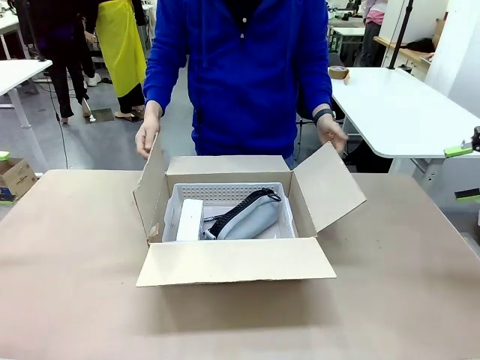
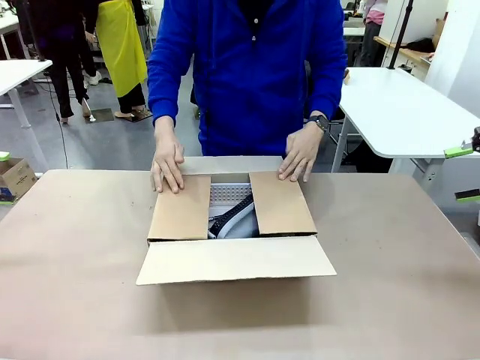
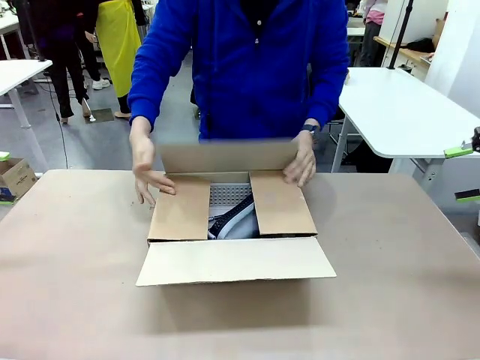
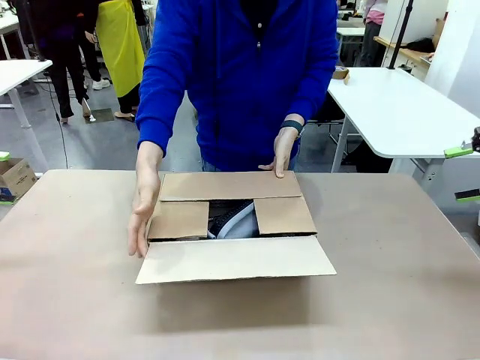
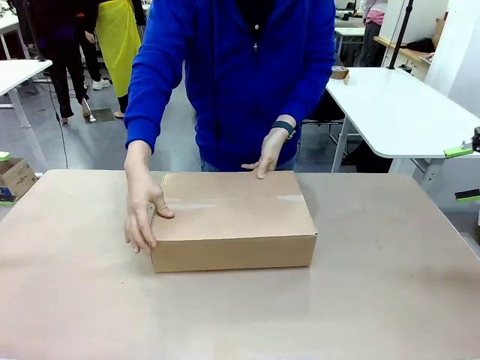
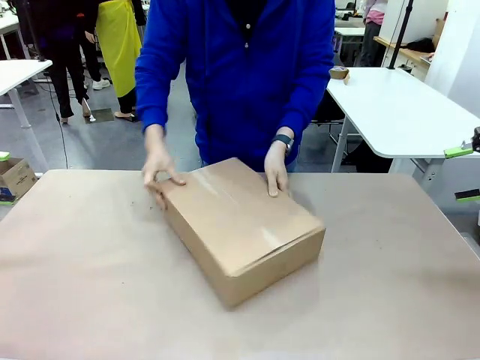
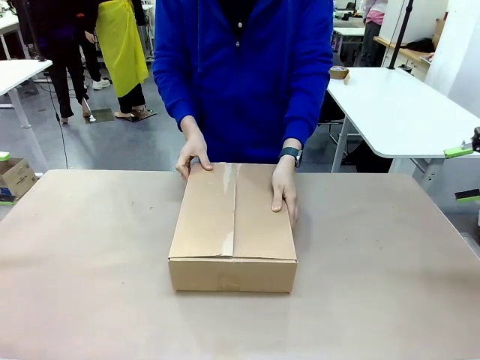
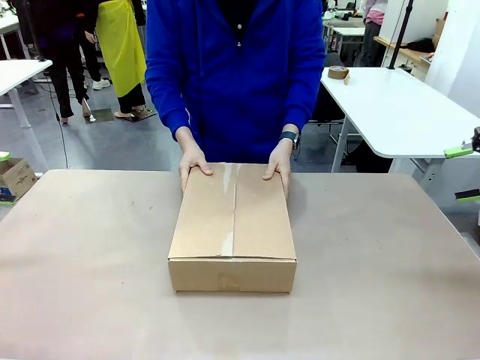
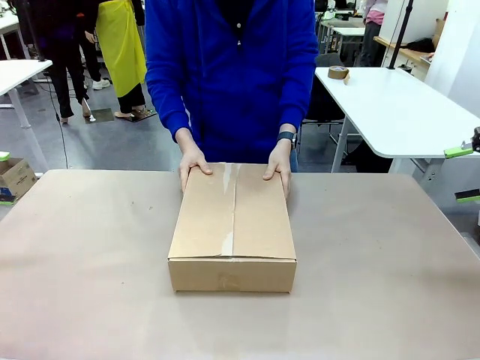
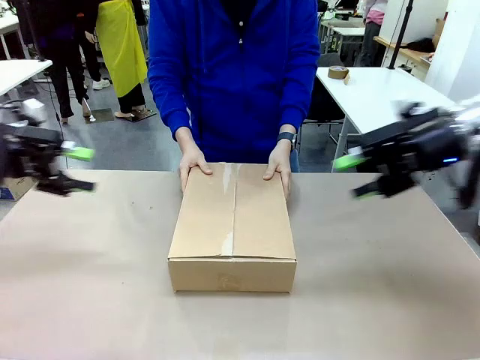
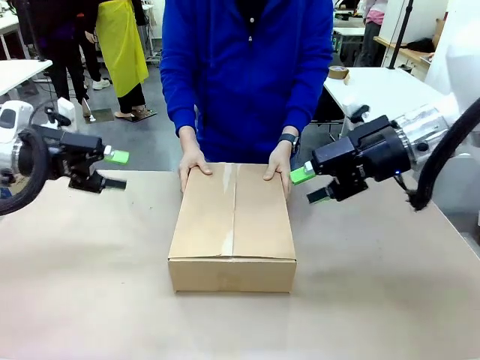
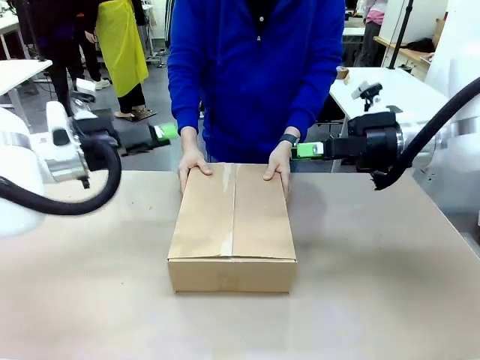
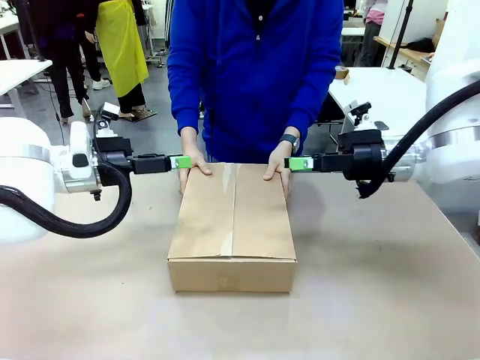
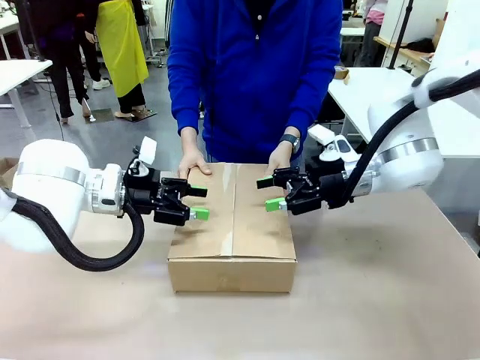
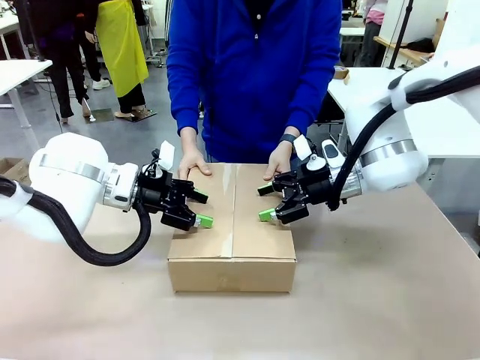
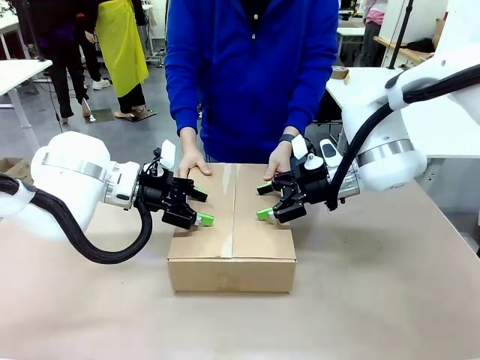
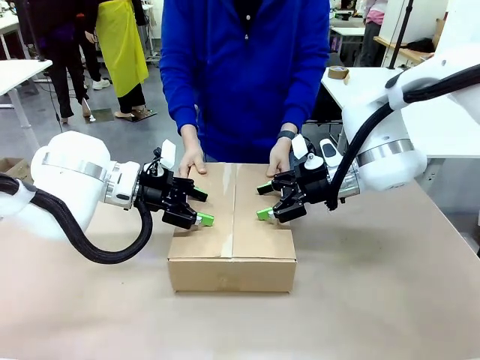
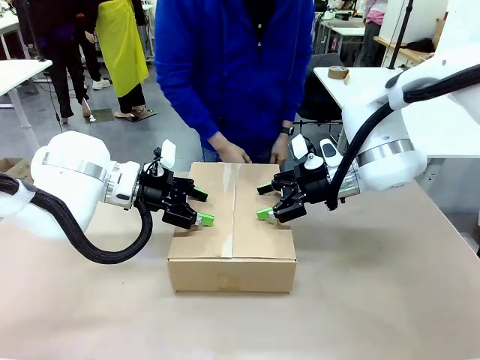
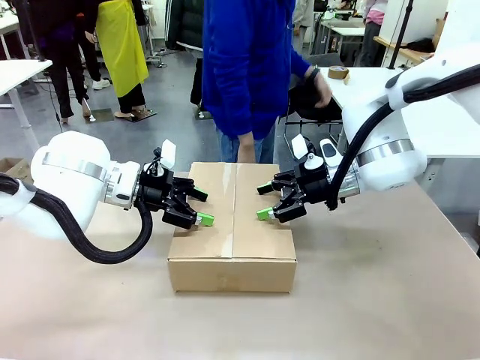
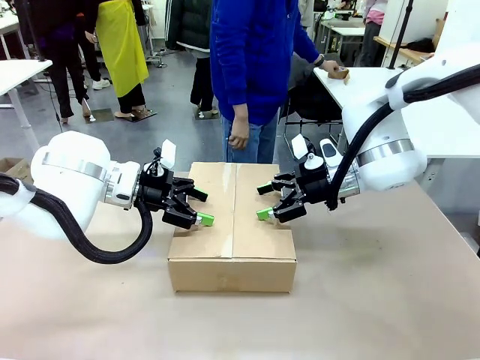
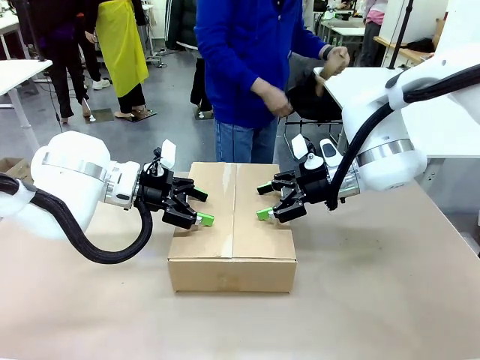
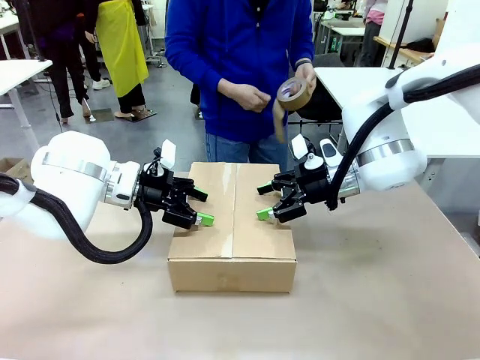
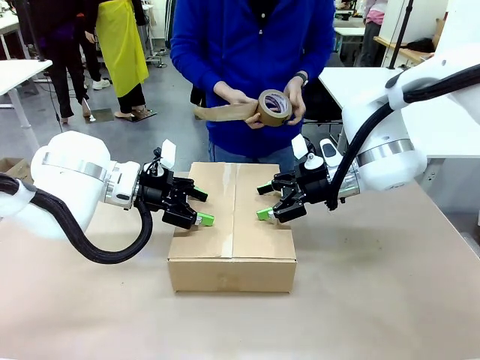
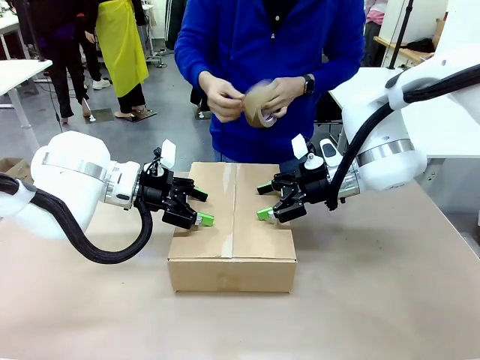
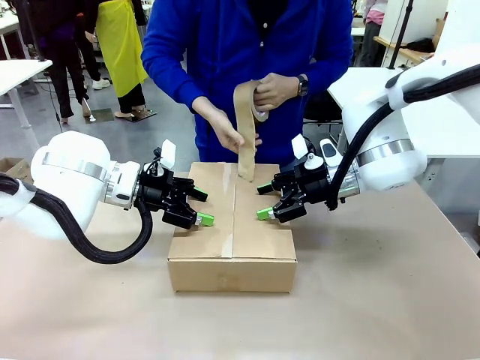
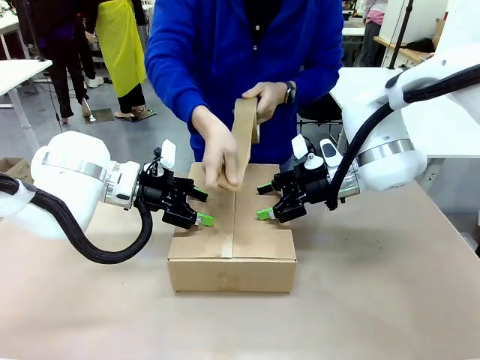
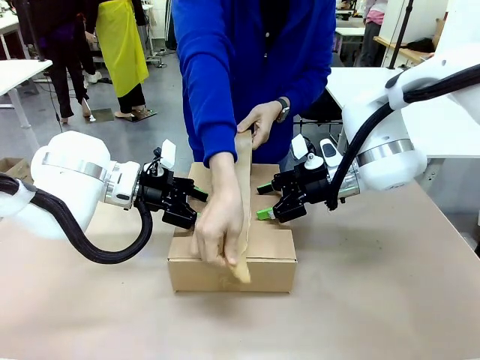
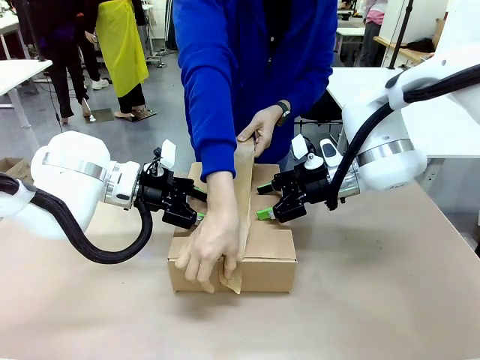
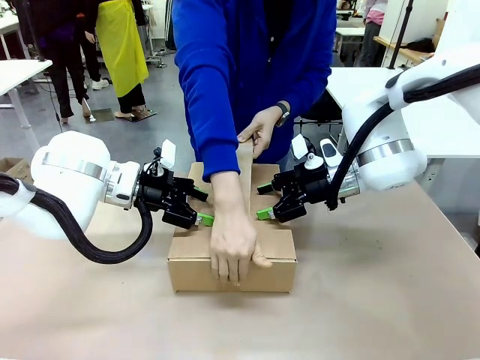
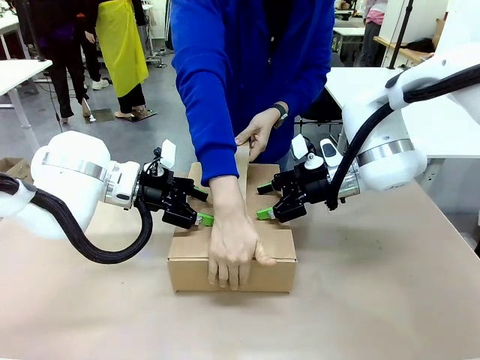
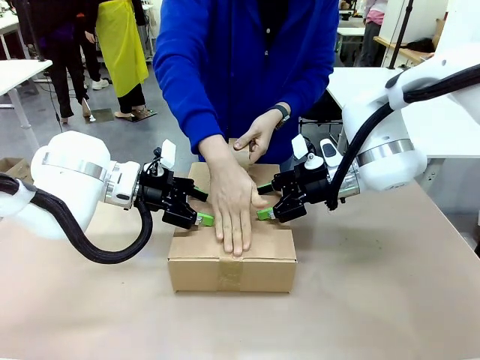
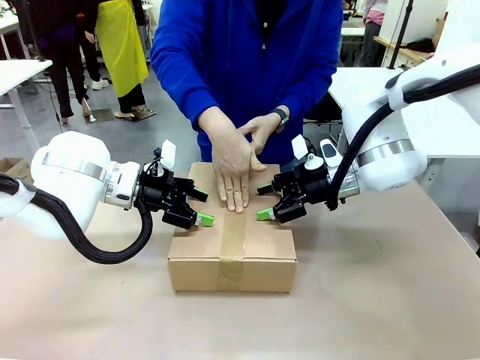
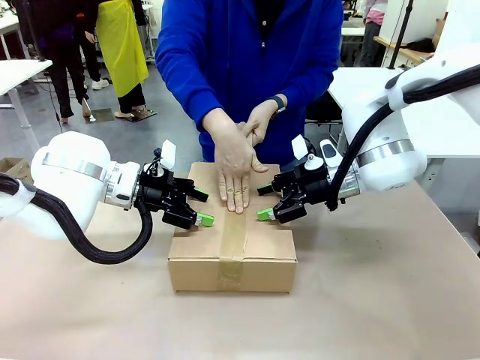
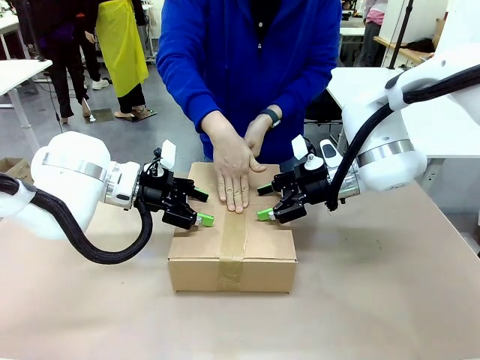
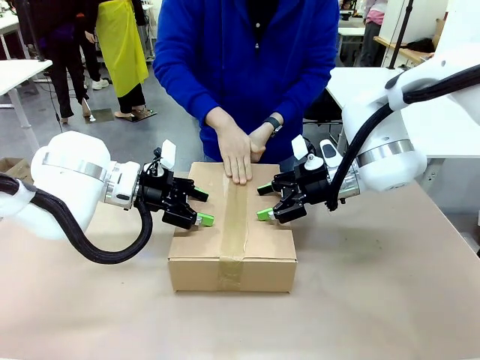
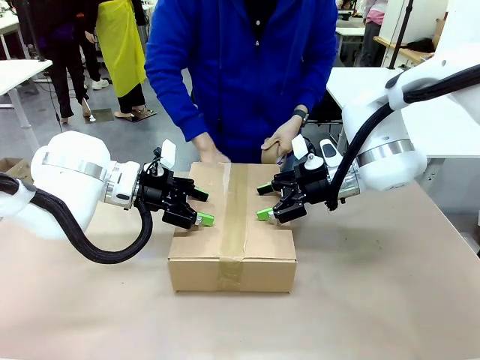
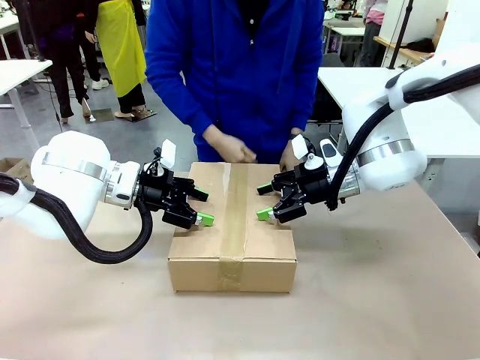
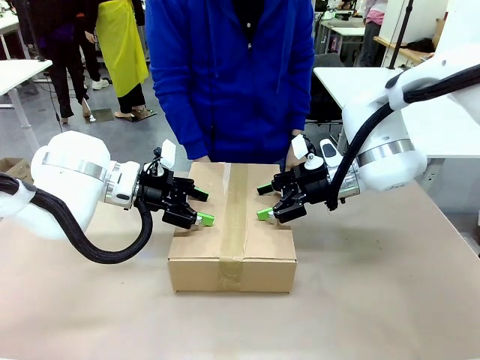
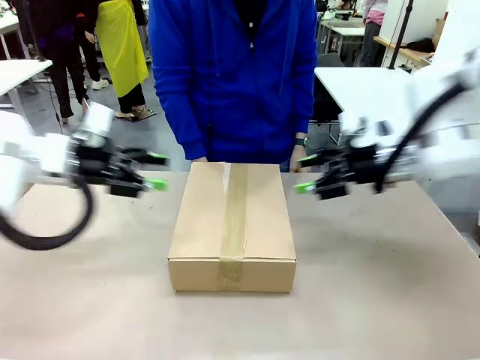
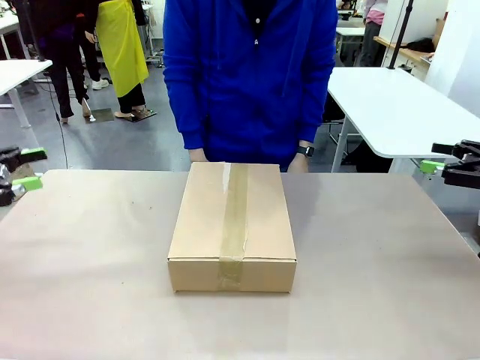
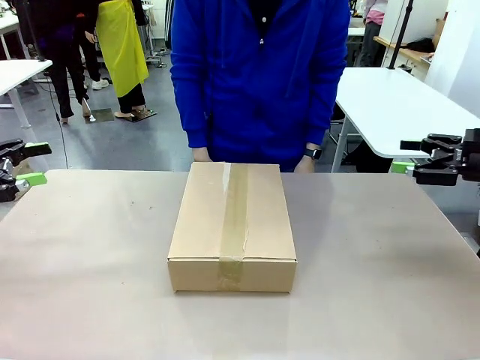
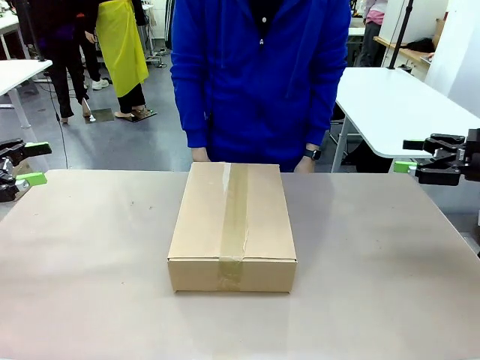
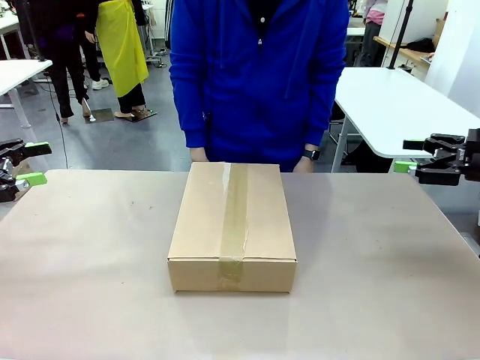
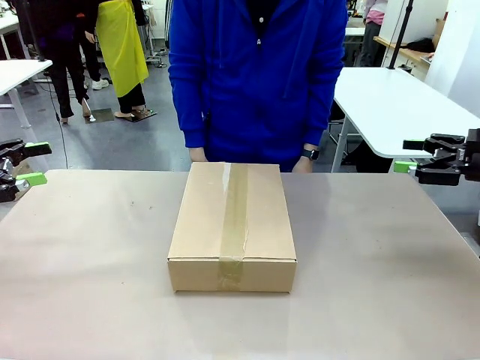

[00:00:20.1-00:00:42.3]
Task: Pack the gift set into the box.
Robot: Press and hold the closed box until the human finishes sealing it.
Person: The human closes the box and rotates the box by 90 degrees. The human picks up the paper tape from the human table and packs the box.
